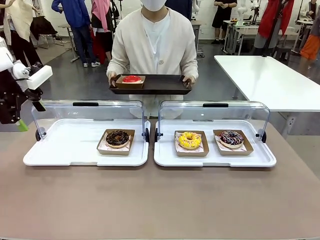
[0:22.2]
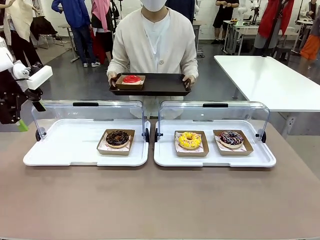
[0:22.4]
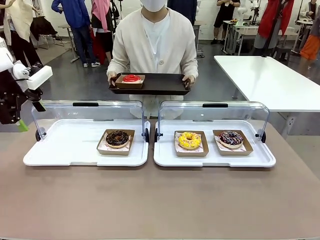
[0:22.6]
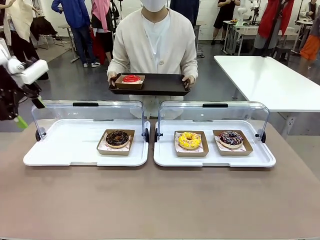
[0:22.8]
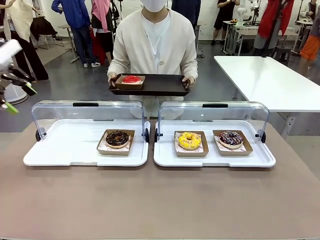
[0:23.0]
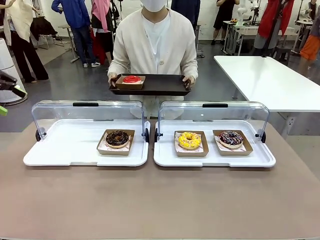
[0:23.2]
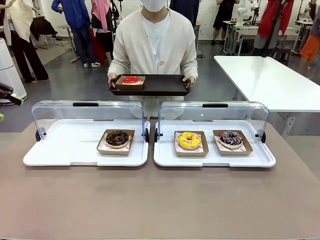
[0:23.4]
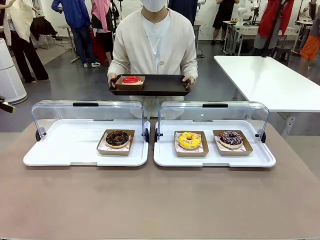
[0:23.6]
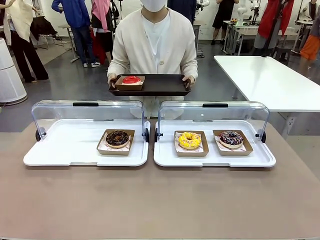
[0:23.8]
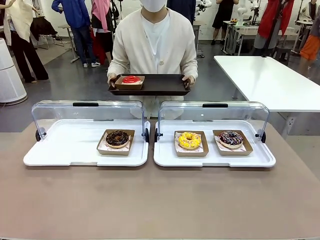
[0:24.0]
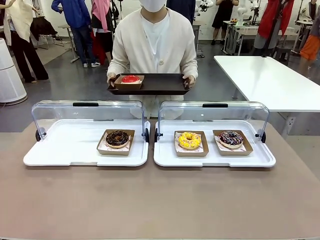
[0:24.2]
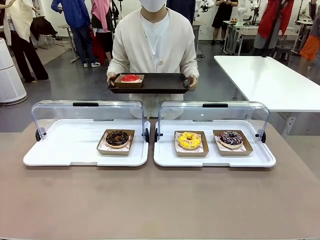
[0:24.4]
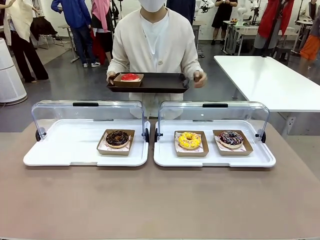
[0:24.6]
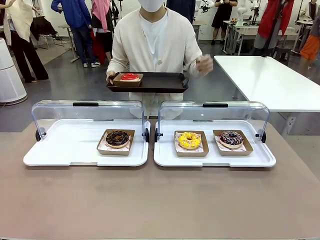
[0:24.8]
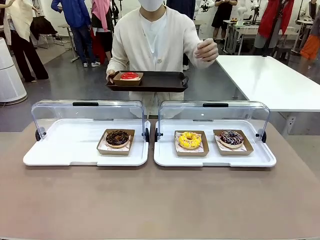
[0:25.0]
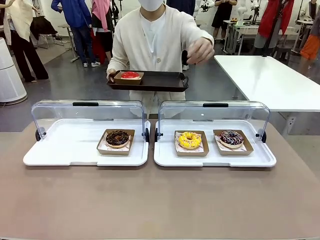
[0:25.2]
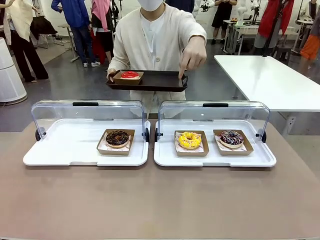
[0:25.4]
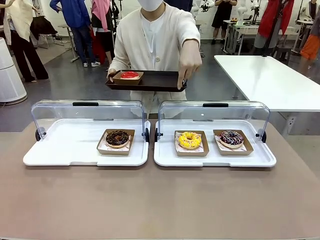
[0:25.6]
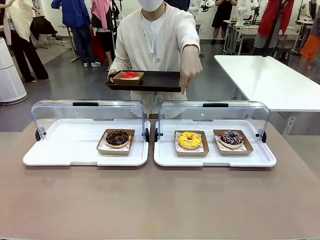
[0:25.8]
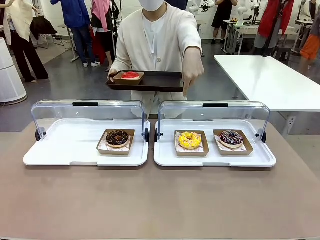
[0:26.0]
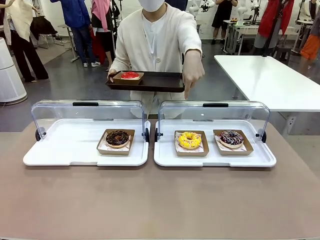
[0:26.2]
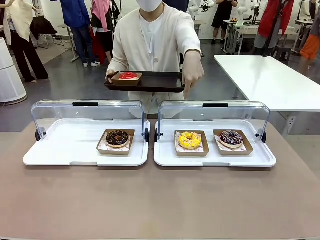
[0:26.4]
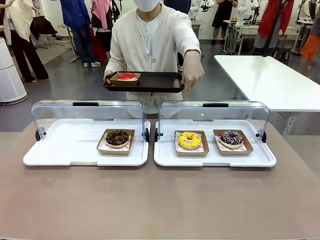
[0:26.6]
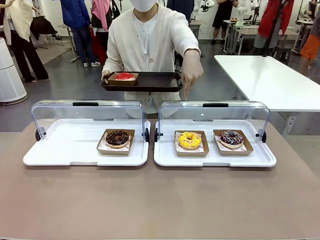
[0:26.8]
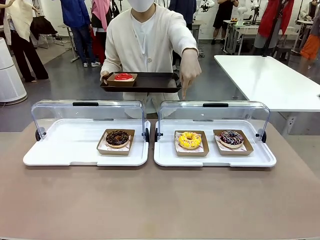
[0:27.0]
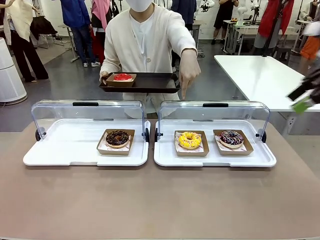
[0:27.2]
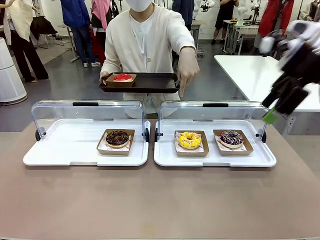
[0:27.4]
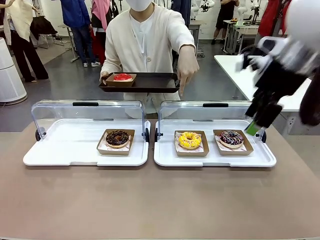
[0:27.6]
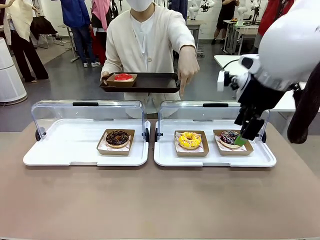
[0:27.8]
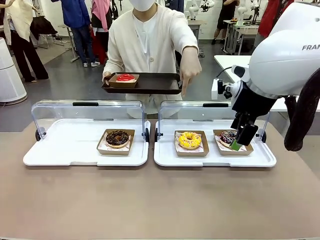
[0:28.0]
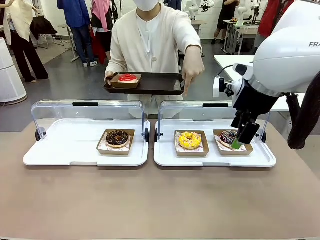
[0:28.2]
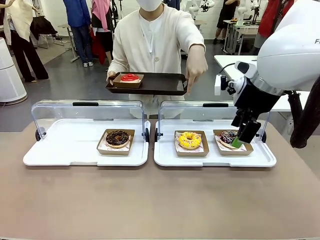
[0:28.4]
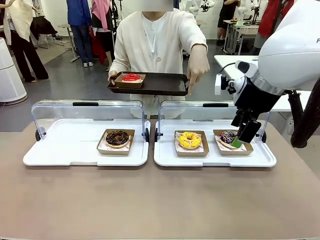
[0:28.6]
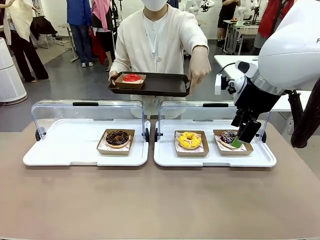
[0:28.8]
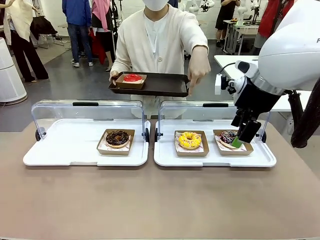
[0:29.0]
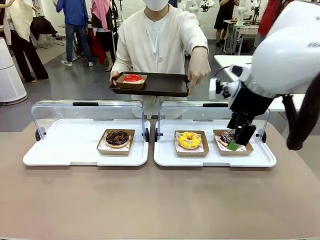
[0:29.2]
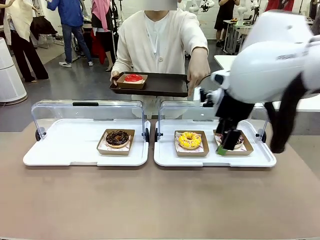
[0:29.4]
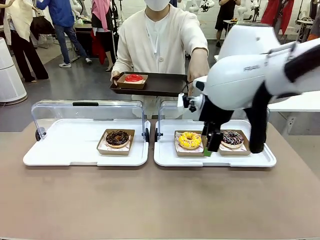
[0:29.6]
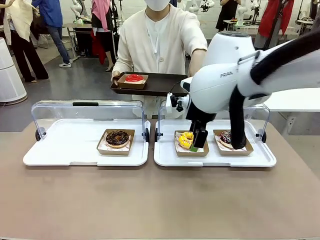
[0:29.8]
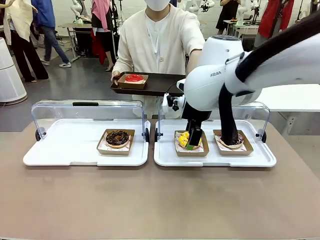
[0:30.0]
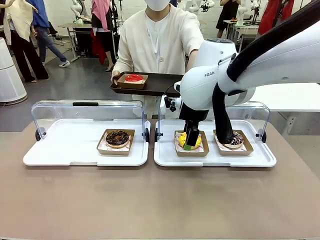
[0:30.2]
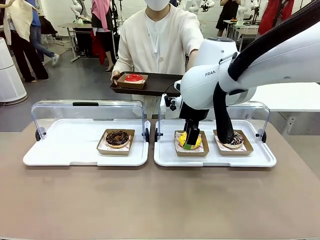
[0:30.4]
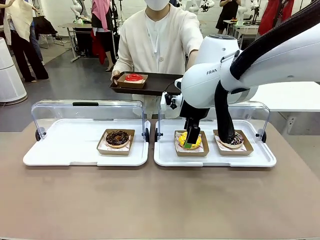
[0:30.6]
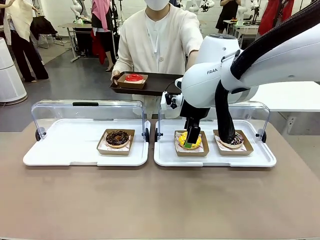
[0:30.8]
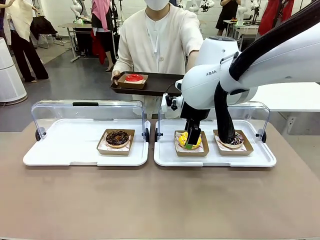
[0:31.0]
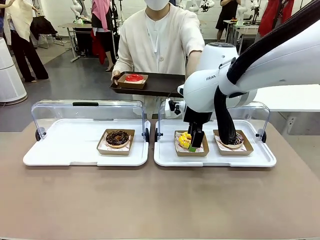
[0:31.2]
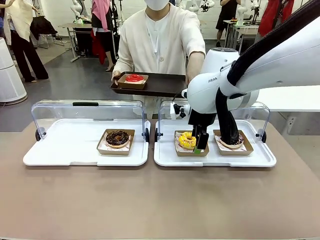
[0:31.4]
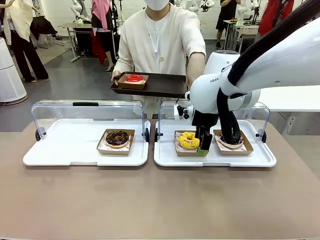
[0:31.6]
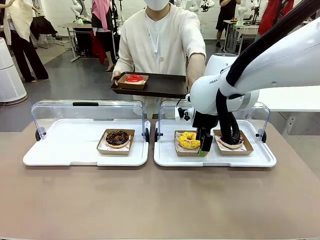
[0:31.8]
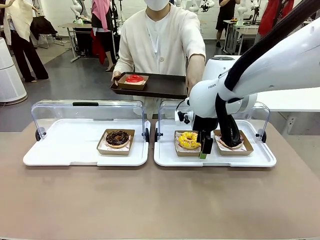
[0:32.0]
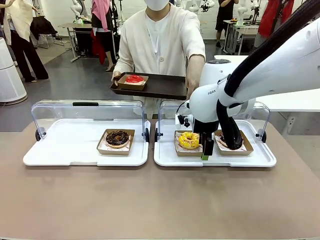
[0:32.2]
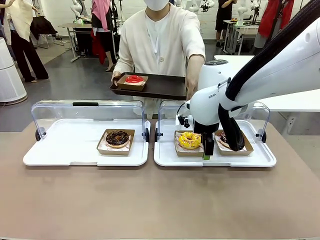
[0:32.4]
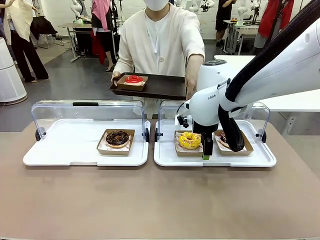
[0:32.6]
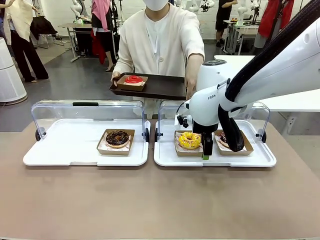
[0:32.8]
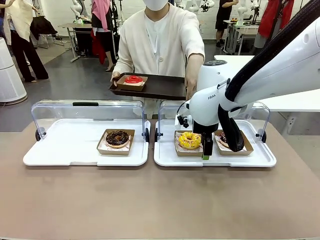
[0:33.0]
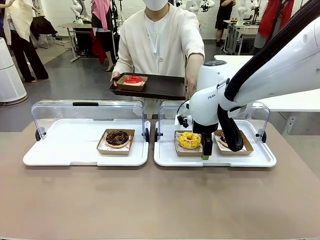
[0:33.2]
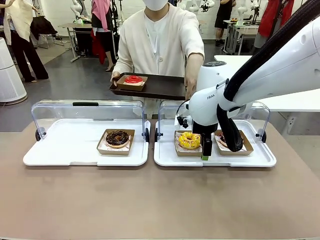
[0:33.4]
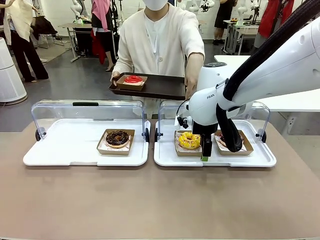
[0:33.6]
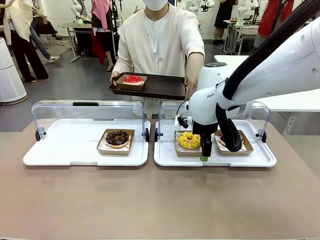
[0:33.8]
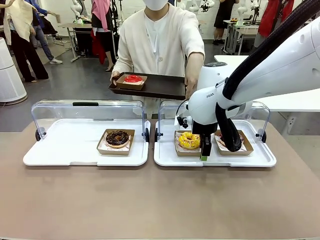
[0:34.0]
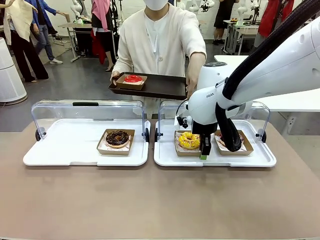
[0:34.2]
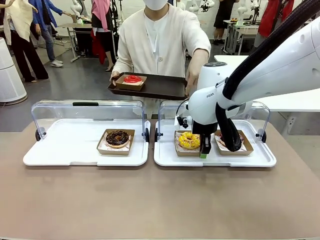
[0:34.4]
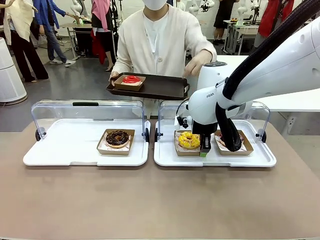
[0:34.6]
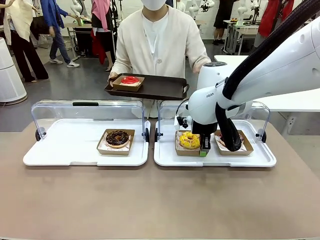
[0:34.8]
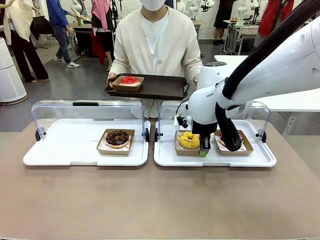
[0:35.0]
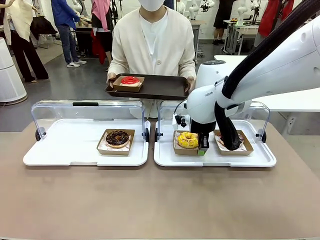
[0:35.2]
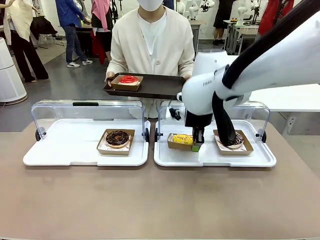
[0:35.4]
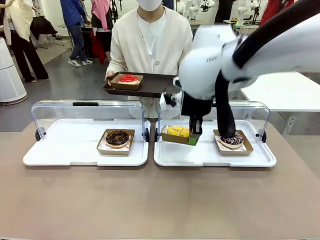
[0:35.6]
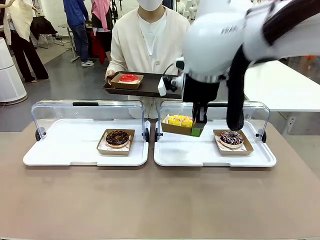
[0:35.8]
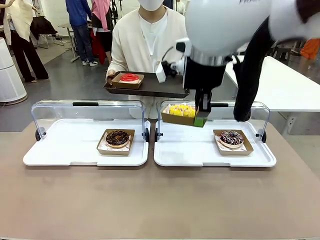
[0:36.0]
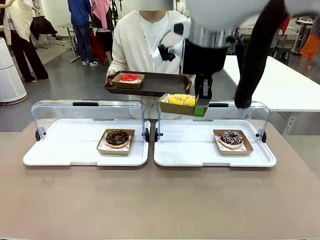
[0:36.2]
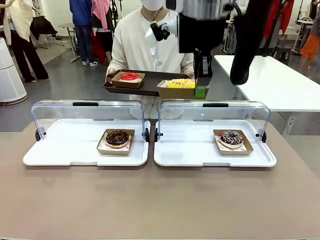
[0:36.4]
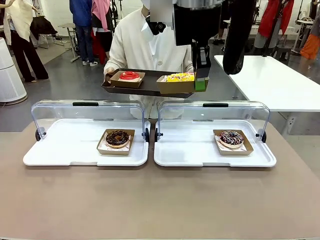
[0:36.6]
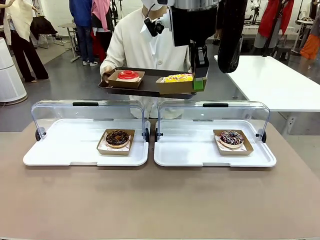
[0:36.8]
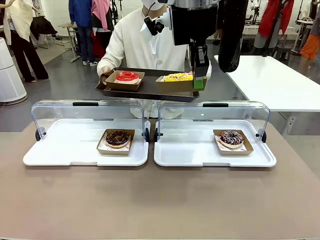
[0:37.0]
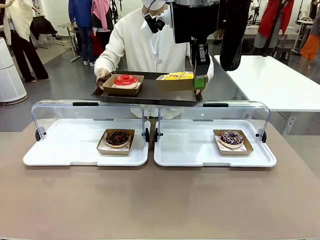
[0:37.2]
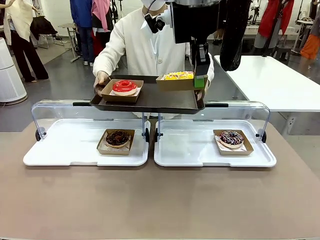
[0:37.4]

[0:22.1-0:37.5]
Task: Provide the desired donut to the person.
Robot: Pick up and lift the Paper togo box containing the Donut pointed at by the person.
Person: Point to one donut. Lift the tray onto the Roll-Top Bakery Case.

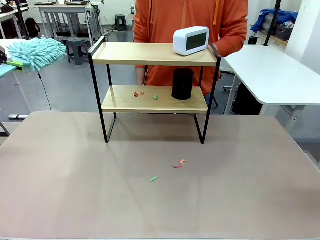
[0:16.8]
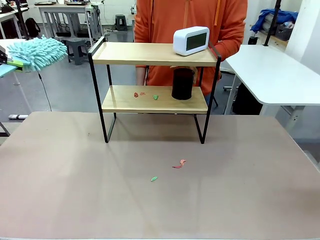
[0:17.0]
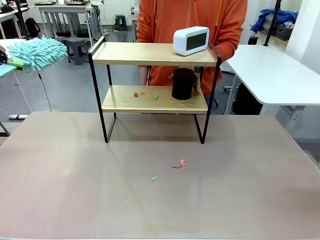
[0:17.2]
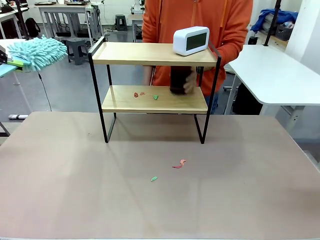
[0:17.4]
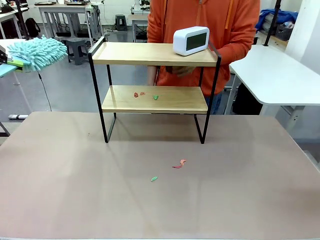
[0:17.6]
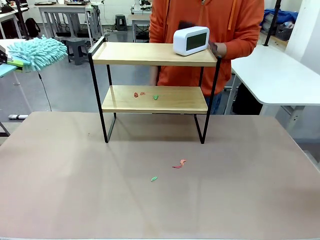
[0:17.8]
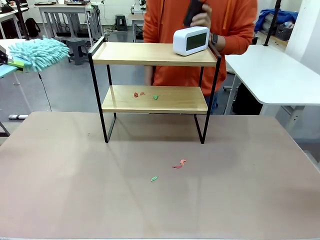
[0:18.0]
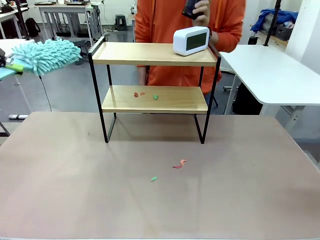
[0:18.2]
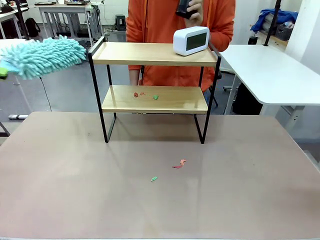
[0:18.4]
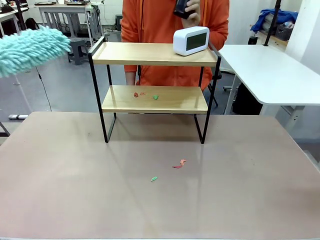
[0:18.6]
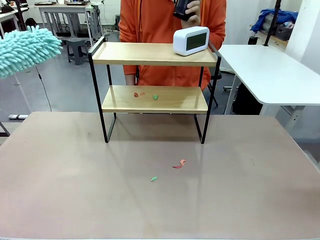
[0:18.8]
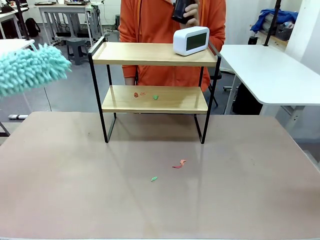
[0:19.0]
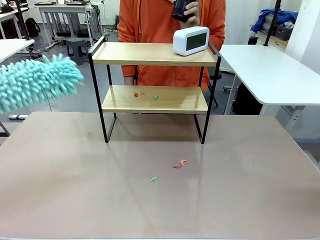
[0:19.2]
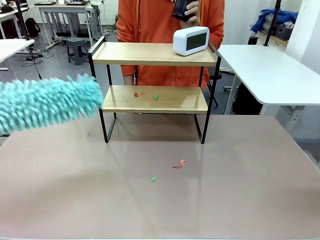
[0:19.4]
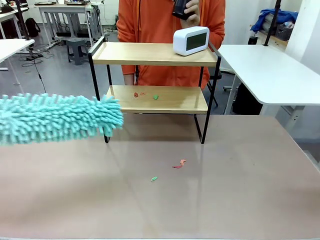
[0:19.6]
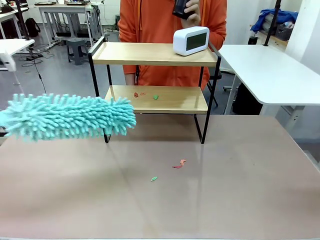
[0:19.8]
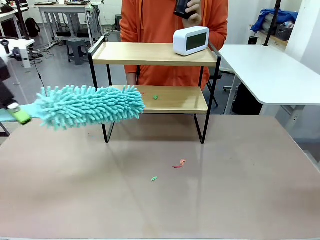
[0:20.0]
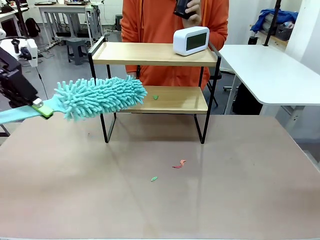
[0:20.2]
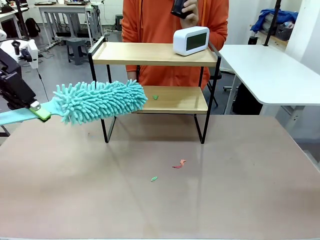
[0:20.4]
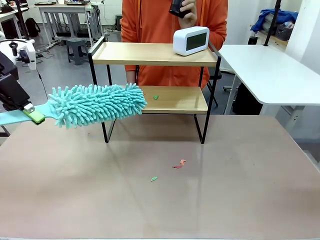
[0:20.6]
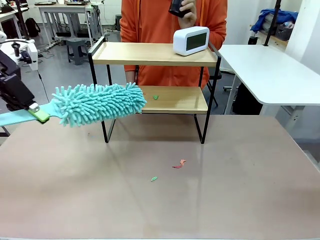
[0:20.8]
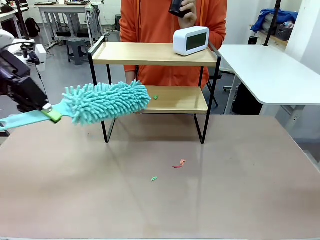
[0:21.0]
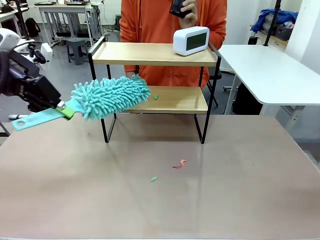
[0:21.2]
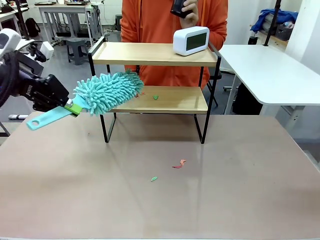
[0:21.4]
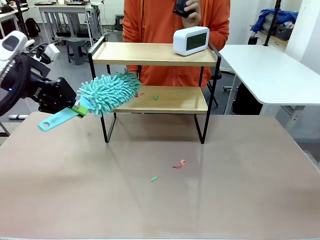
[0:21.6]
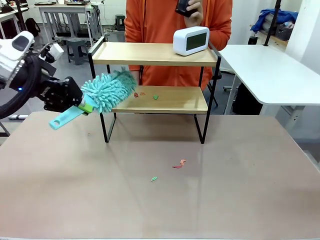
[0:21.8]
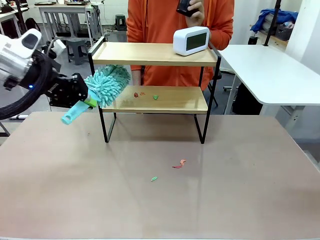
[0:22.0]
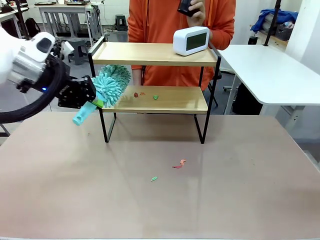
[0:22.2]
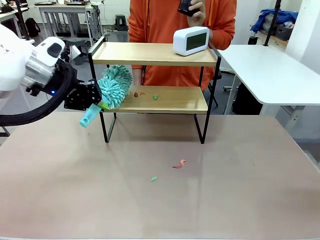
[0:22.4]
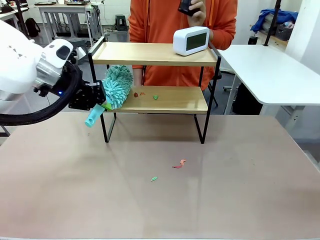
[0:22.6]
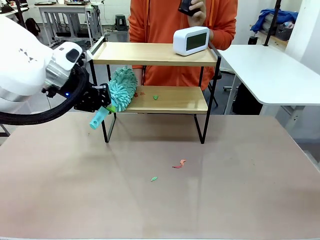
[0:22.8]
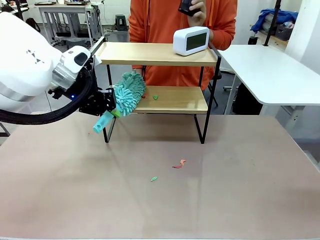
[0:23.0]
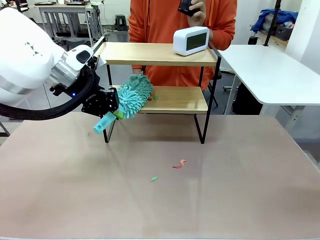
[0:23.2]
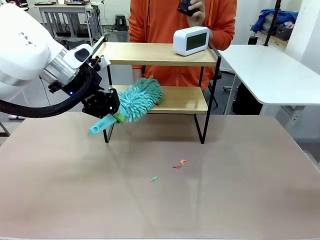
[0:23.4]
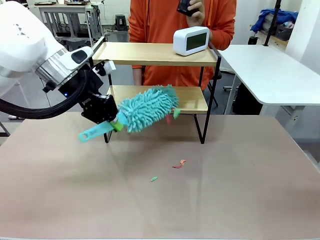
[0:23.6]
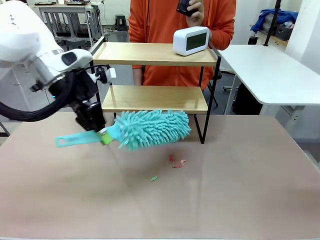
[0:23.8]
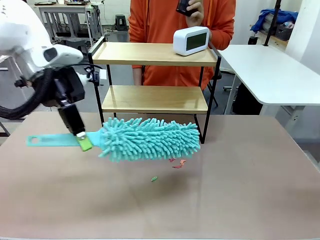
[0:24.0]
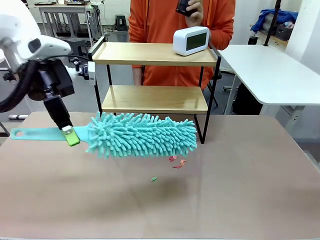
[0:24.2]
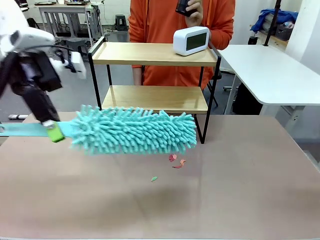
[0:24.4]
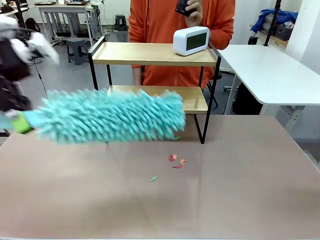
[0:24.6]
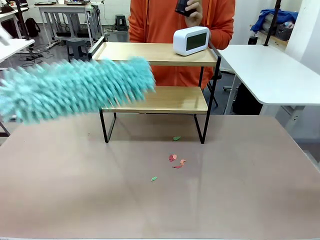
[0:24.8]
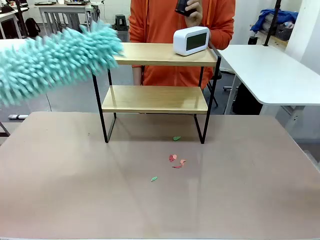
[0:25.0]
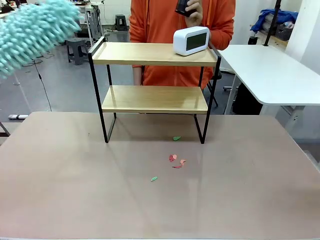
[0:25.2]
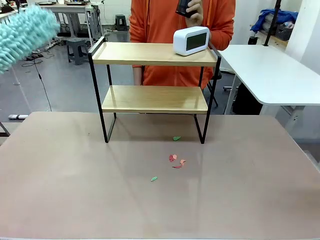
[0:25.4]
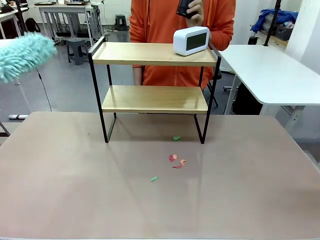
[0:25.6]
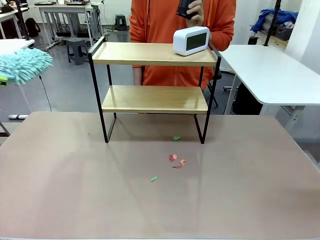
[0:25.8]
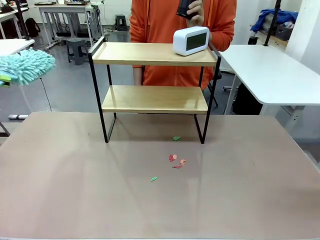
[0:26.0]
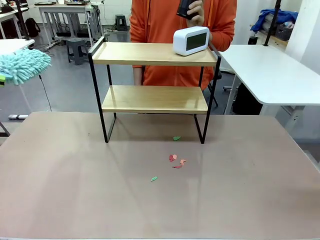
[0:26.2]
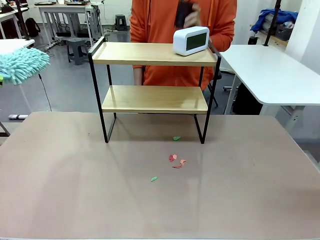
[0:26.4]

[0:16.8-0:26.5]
Task: Clean the shelf.
Robot: Clean the remaining tier of the Shelf with the Duster once objects are removed.
